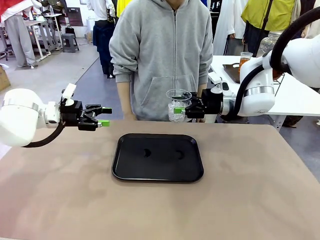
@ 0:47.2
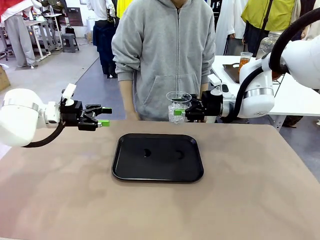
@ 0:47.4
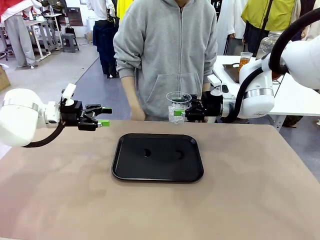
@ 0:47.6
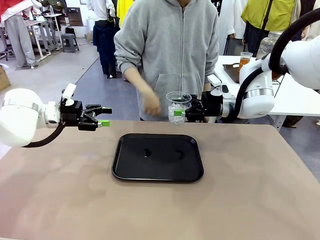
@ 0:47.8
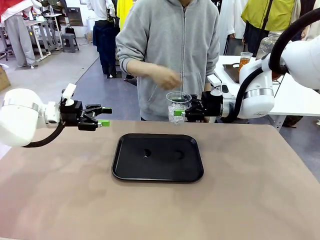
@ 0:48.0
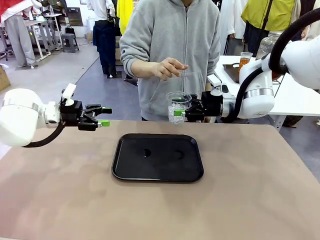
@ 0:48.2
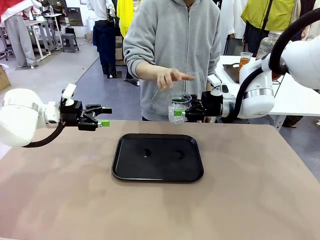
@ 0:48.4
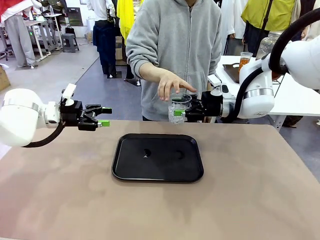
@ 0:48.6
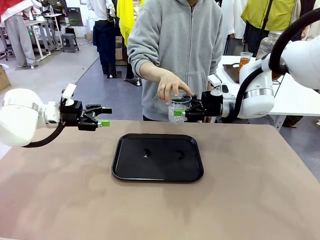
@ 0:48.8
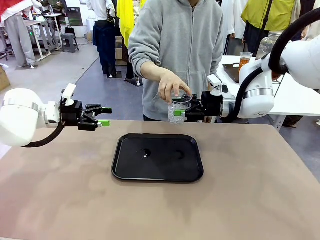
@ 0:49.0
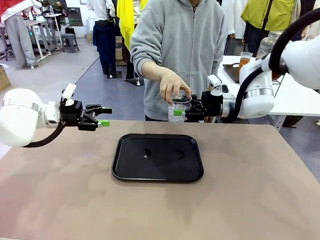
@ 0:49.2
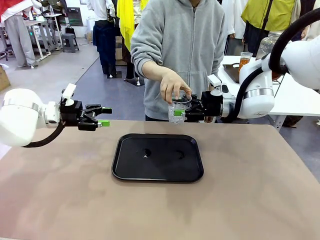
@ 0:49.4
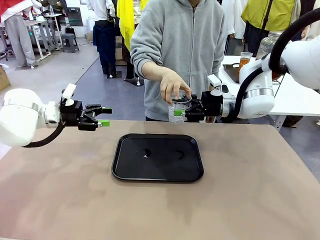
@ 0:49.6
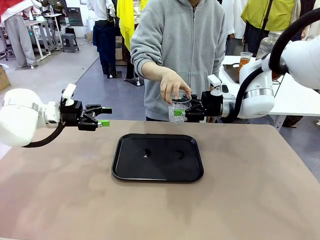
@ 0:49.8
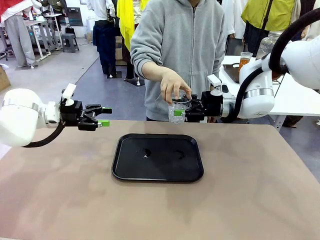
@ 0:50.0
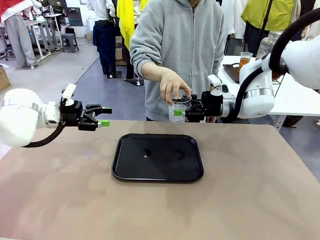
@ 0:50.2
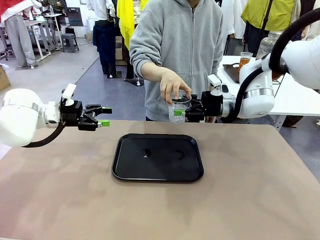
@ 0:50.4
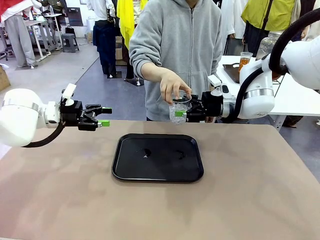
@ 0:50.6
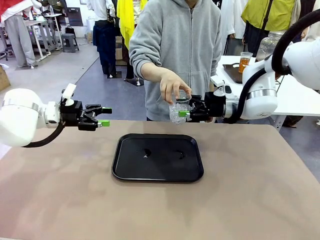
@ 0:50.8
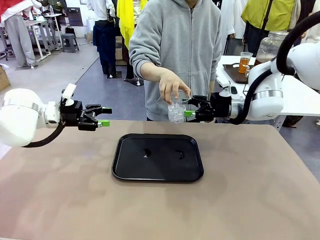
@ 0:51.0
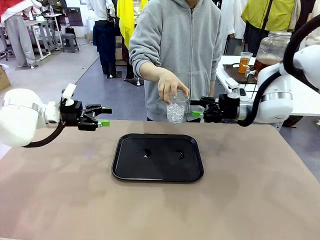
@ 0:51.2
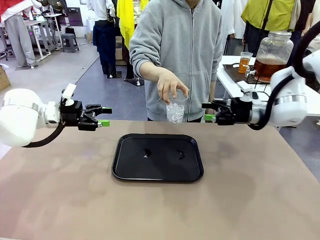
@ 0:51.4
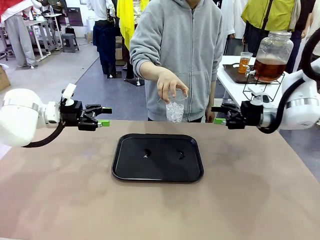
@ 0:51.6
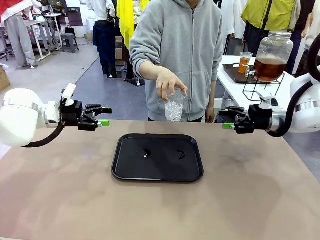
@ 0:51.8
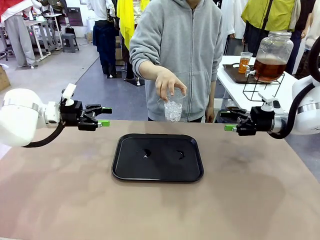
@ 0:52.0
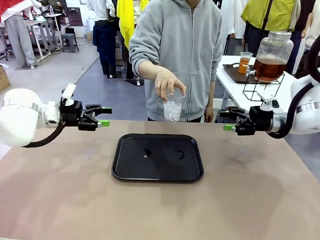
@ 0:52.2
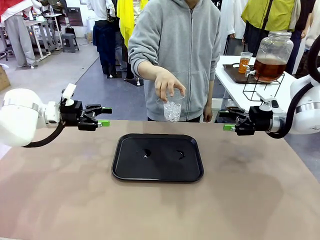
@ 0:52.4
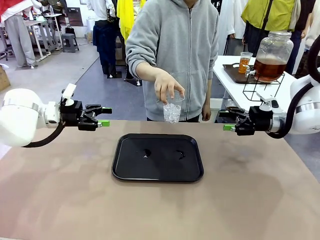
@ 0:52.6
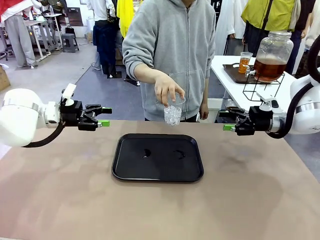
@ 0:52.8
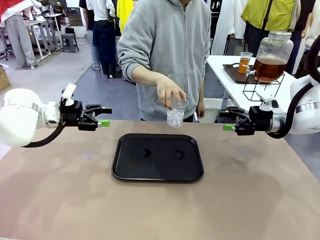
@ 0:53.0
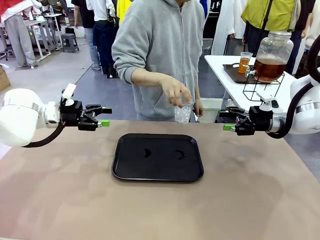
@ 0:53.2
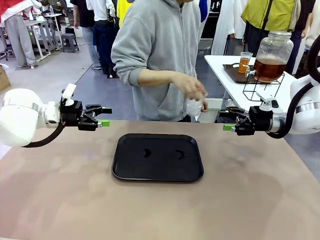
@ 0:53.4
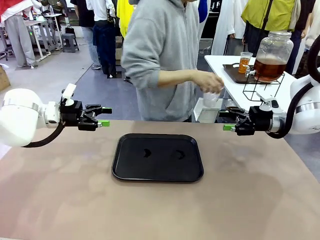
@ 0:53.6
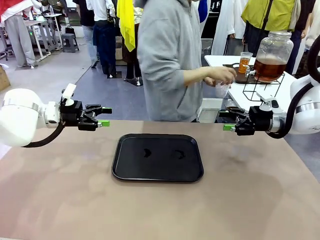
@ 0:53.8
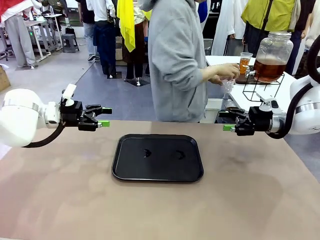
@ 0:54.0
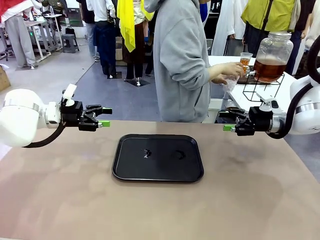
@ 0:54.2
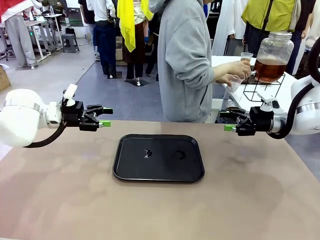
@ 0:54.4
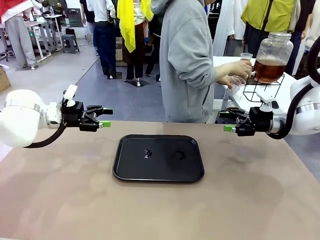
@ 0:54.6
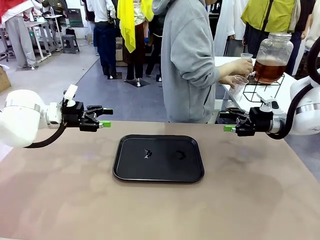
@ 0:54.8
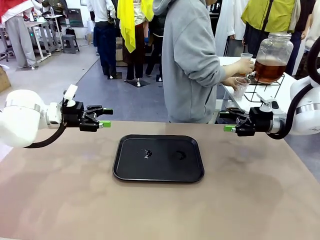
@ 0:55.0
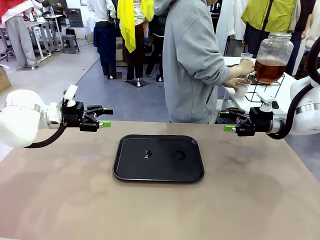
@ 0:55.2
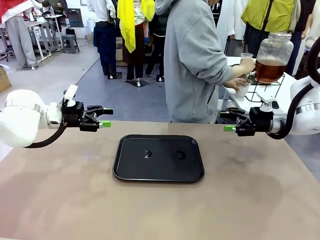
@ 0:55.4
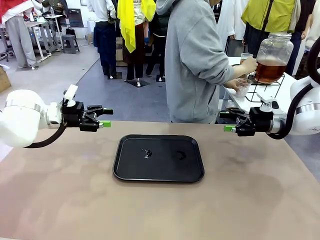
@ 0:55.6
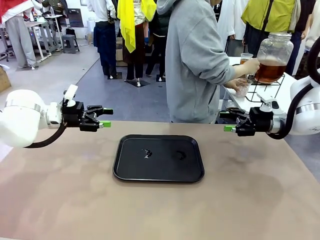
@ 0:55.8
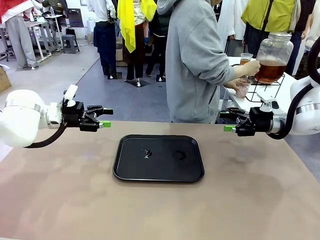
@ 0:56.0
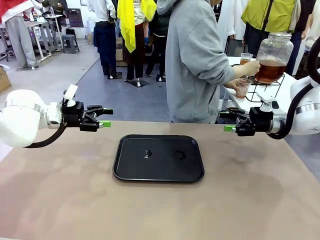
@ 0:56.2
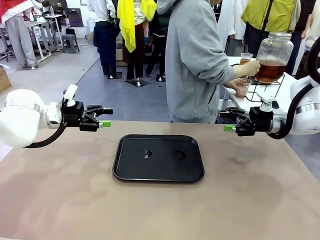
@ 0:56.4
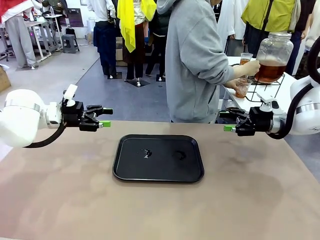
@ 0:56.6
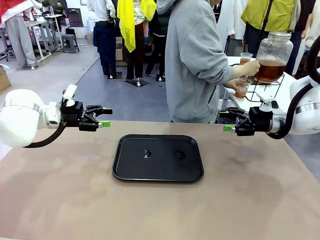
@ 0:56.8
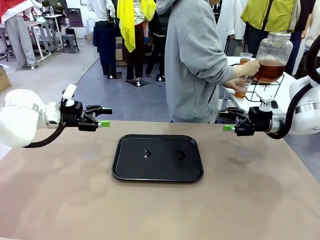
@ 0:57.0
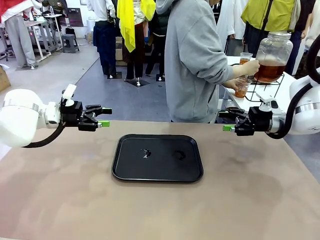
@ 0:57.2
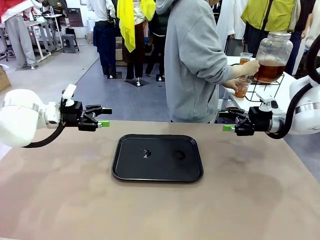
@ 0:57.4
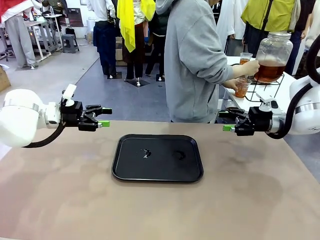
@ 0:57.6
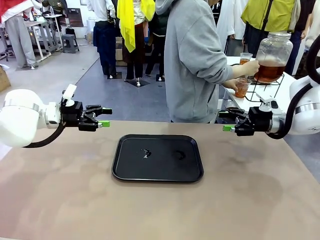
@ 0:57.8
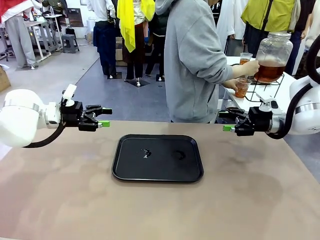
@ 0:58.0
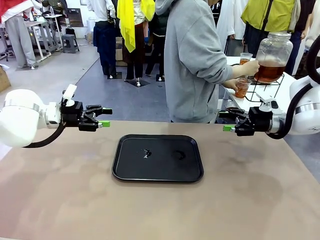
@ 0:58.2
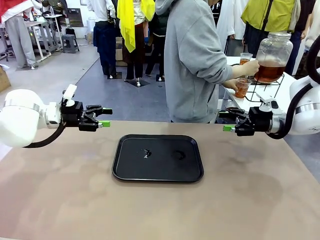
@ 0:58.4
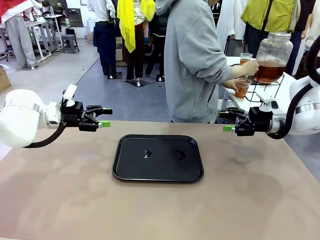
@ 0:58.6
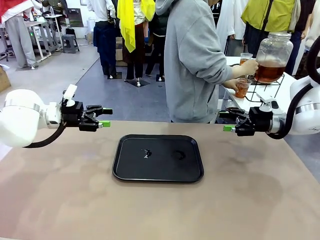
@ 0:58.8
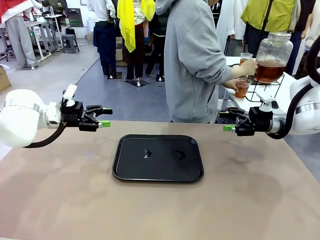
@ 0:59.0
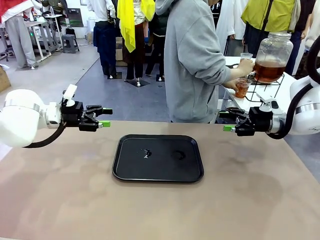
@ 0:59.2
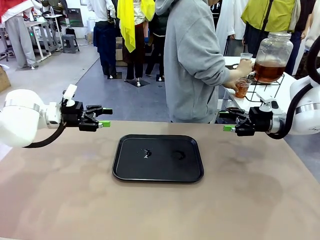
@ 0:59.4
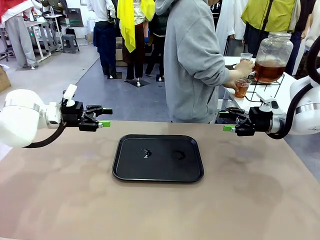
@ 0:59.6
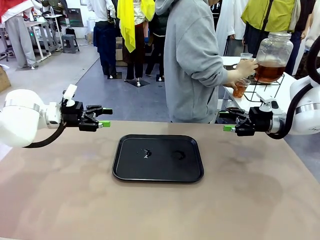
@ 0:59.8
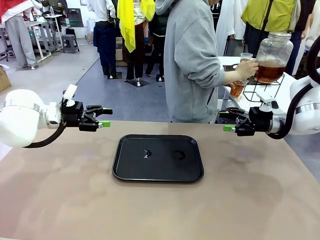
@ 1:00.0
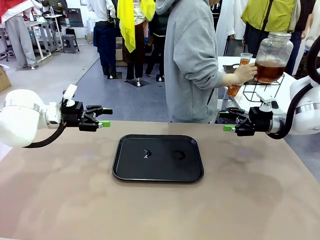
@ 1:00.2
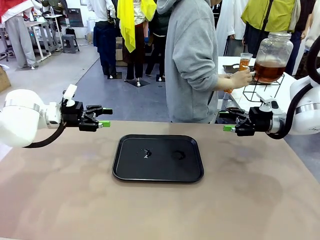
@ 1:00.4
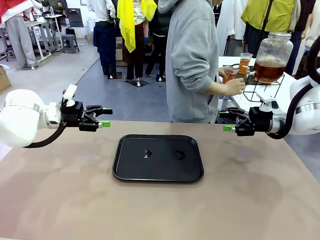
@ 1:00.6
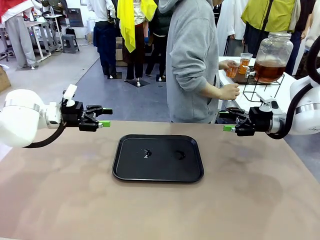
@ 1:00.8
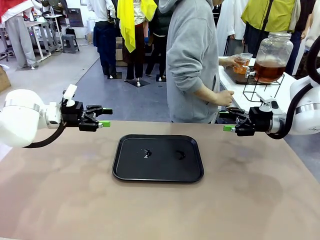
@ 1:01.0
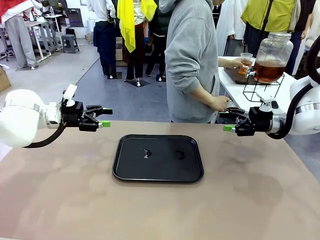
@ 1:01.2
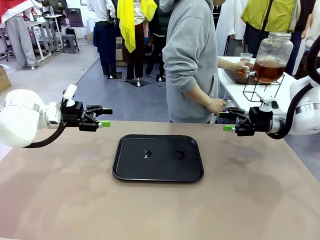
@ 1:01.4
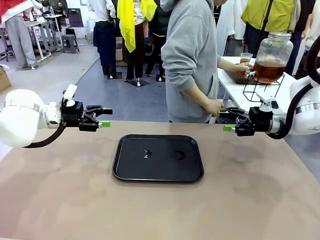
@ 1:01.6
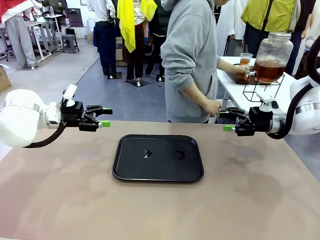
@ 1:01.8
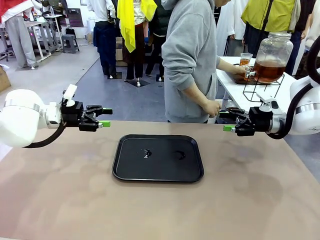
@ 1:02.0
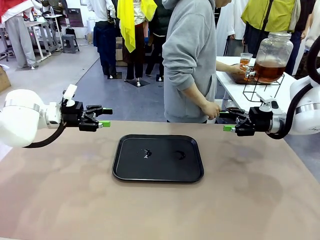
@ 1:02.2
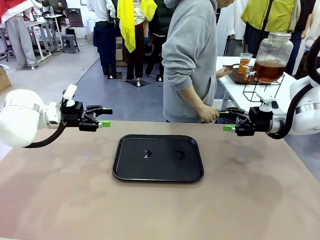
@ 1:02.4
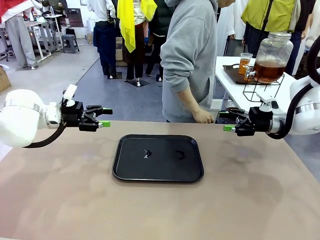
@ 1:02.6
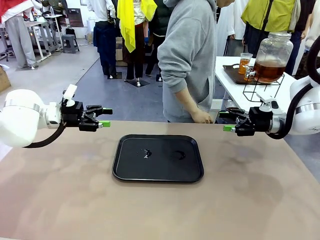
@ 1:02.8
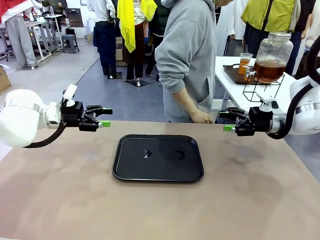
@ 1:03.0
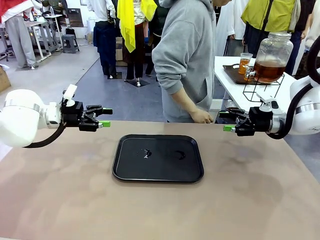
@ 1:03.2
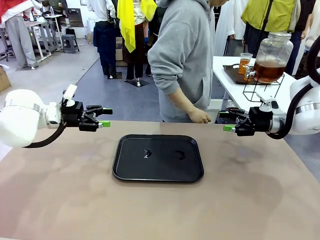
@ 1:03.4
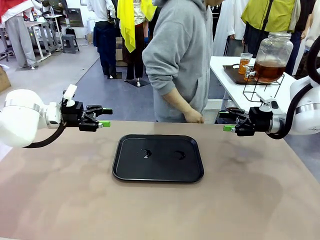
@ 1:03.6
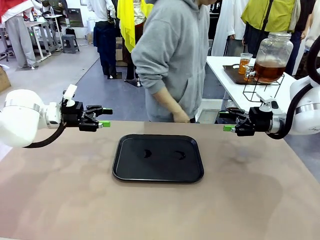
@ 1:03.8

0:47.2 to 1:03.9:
Task: Pour the drink into the iced cup.
Robot: Open the gripper to release the iced cup you were holding.
Person: Move the picked-up cup under the dispenser faucet, pour the drink, and place it on the tray on the human table.
